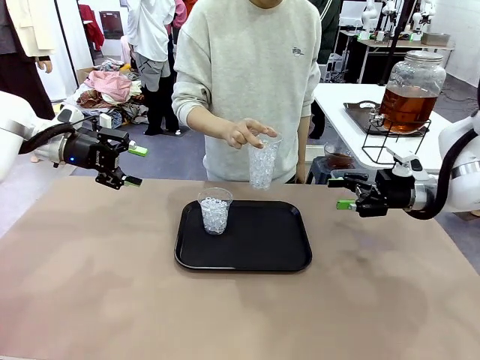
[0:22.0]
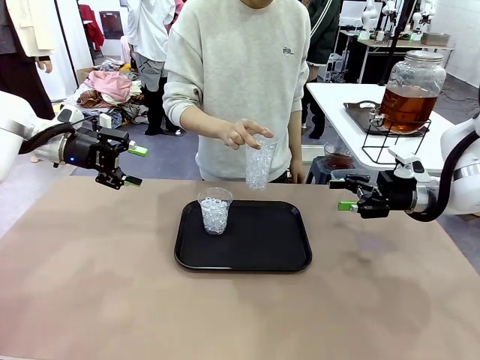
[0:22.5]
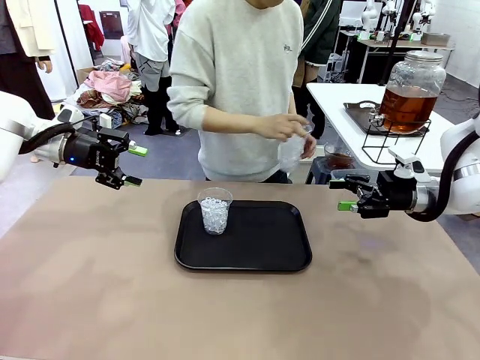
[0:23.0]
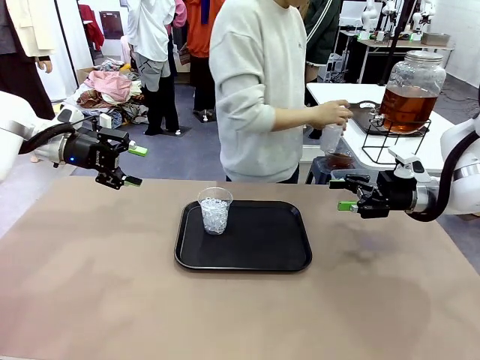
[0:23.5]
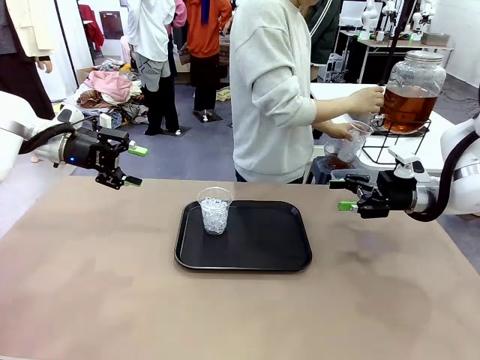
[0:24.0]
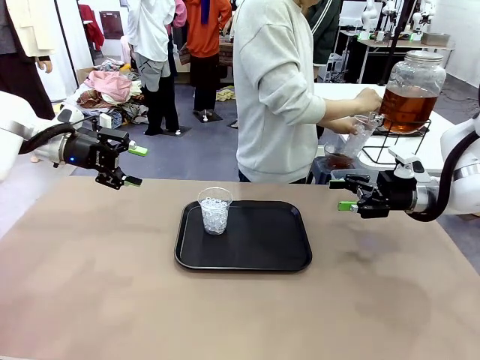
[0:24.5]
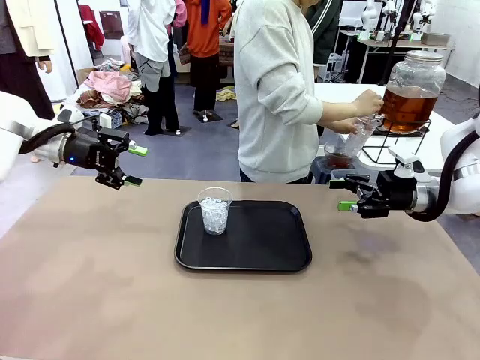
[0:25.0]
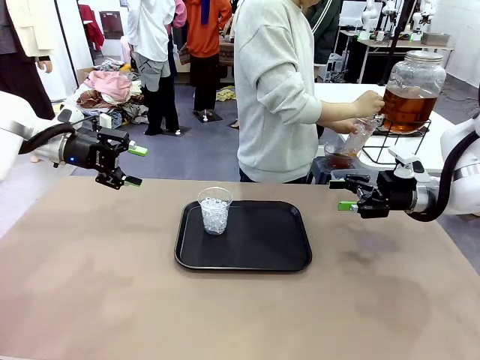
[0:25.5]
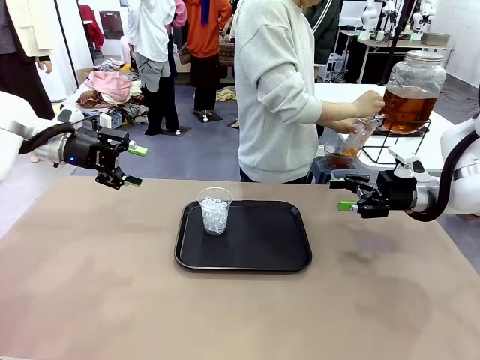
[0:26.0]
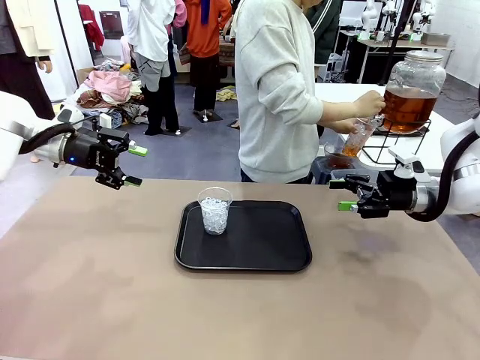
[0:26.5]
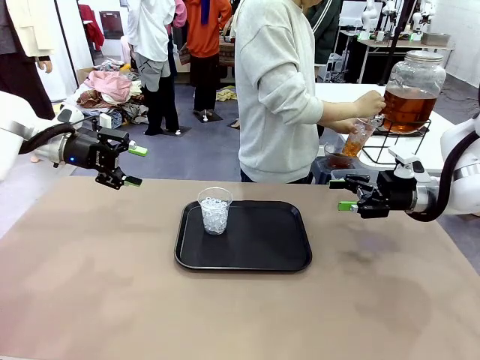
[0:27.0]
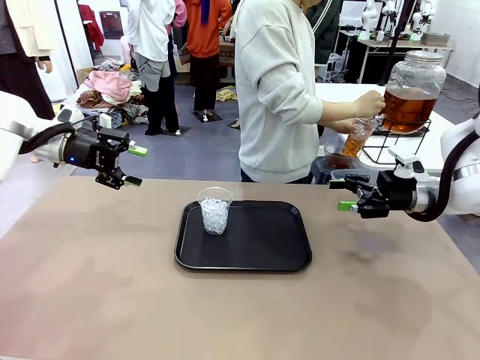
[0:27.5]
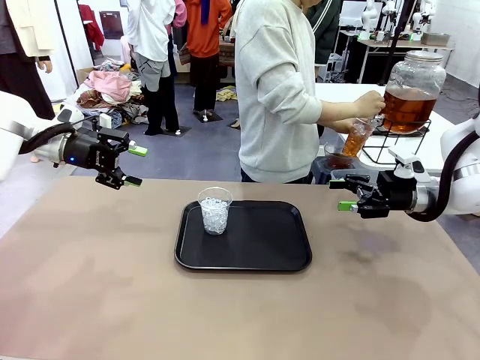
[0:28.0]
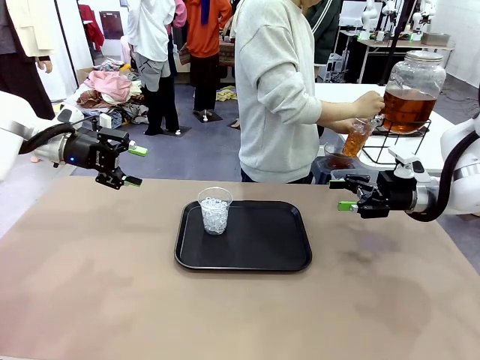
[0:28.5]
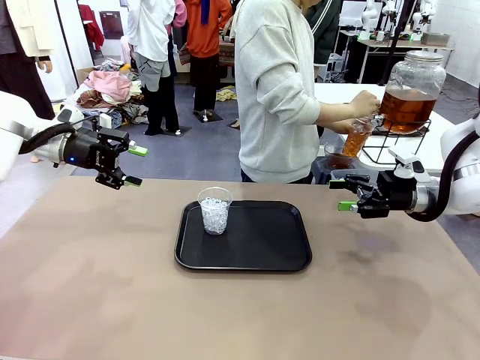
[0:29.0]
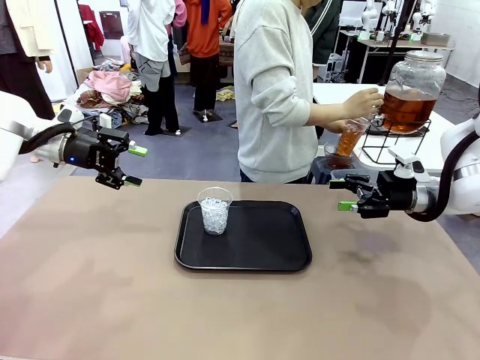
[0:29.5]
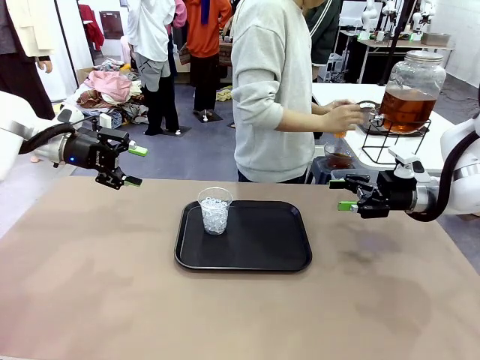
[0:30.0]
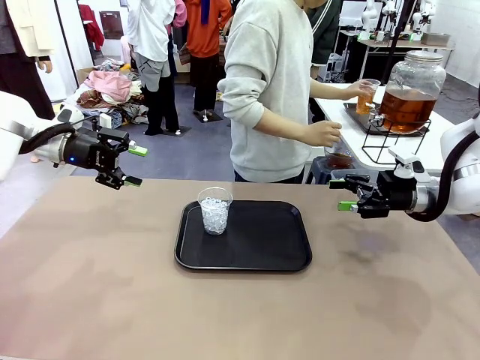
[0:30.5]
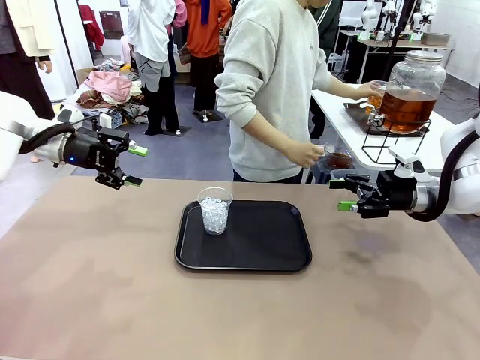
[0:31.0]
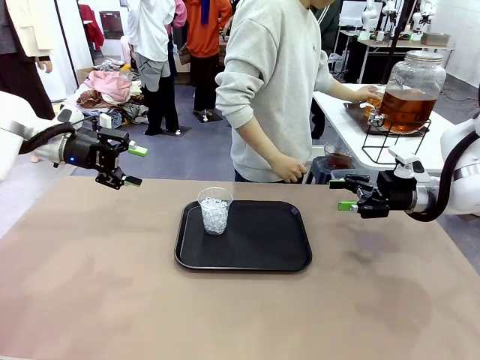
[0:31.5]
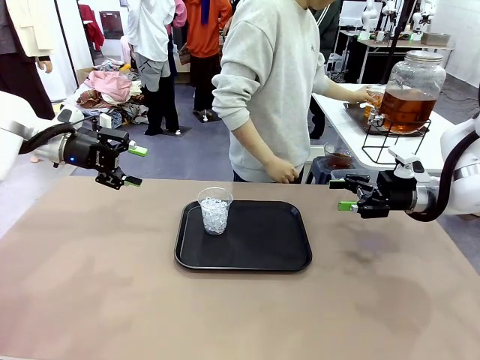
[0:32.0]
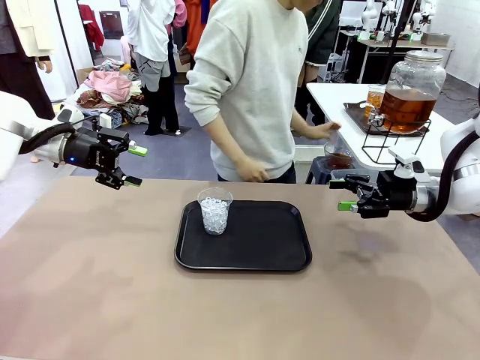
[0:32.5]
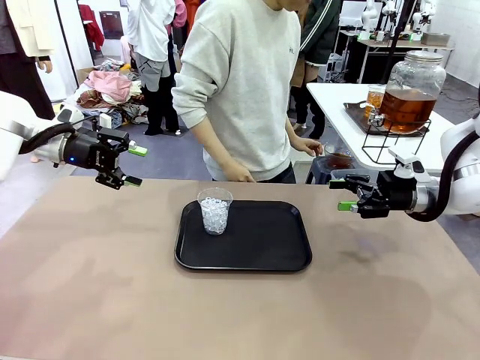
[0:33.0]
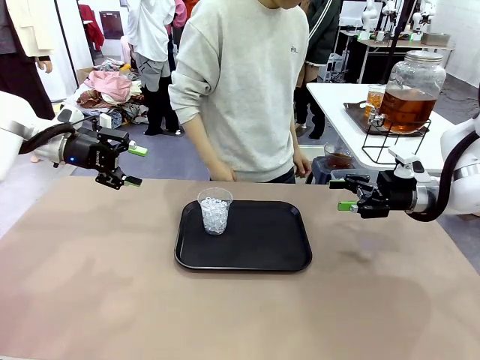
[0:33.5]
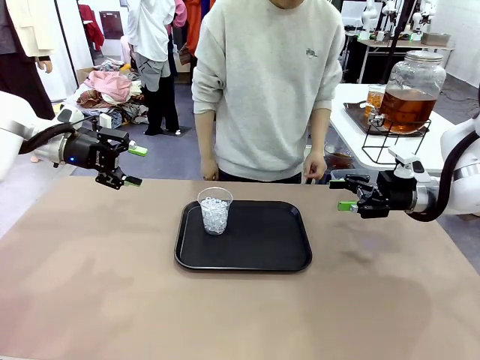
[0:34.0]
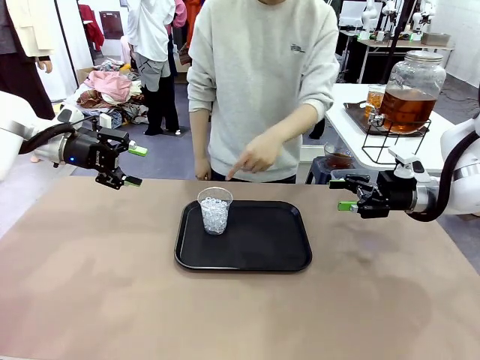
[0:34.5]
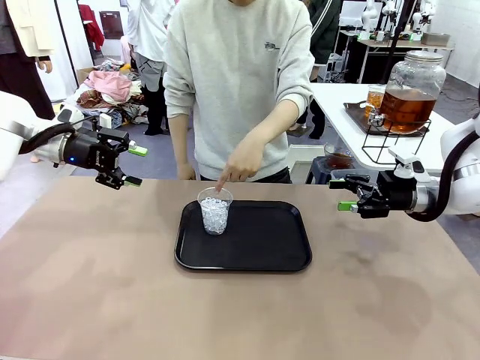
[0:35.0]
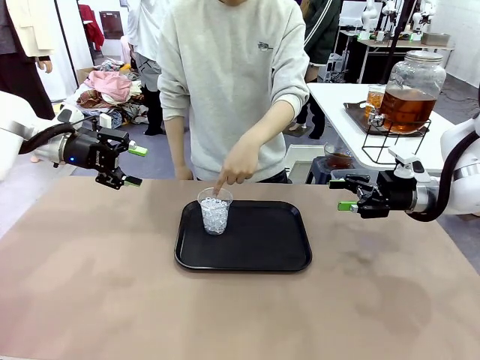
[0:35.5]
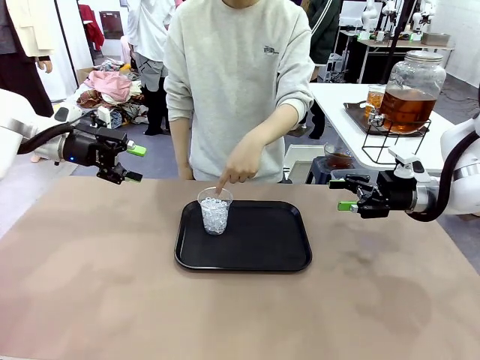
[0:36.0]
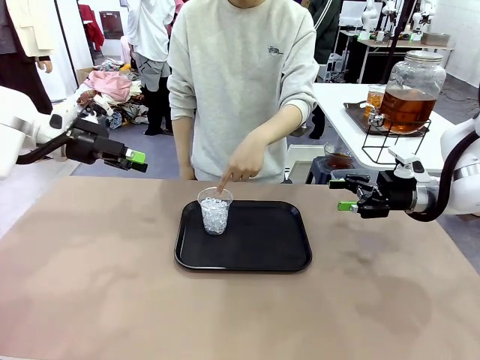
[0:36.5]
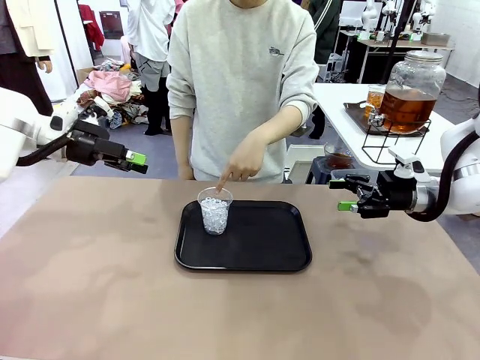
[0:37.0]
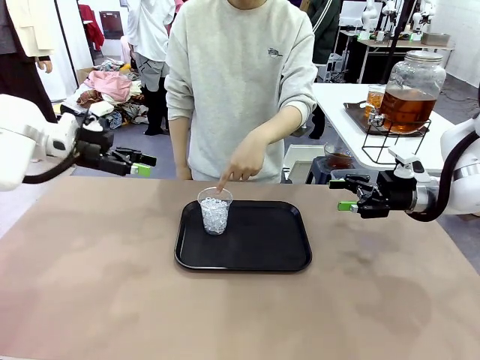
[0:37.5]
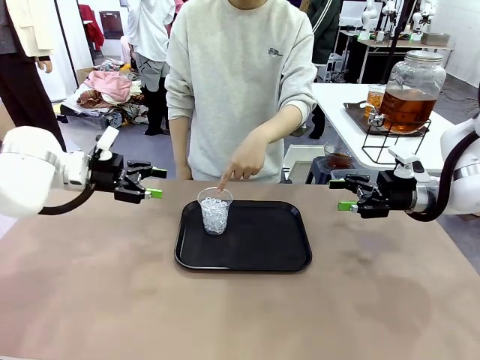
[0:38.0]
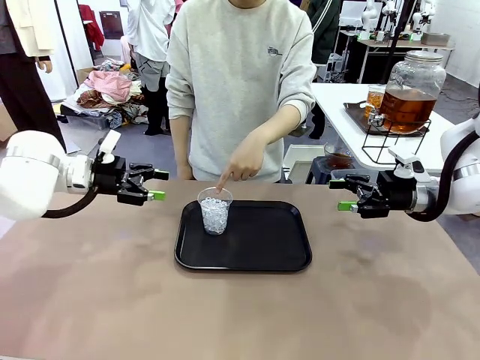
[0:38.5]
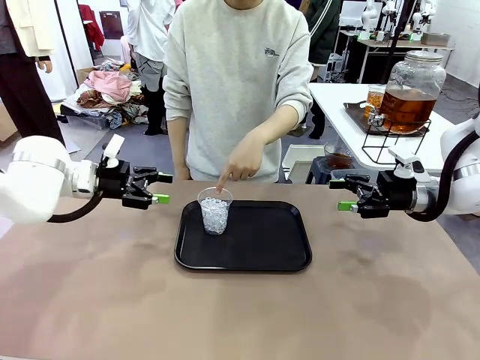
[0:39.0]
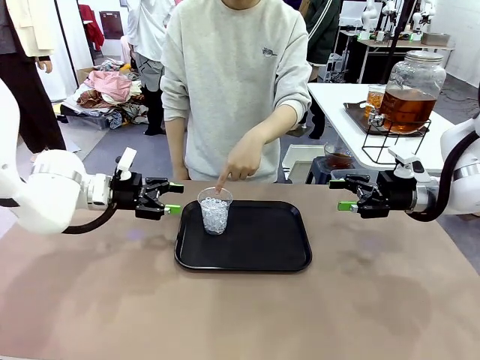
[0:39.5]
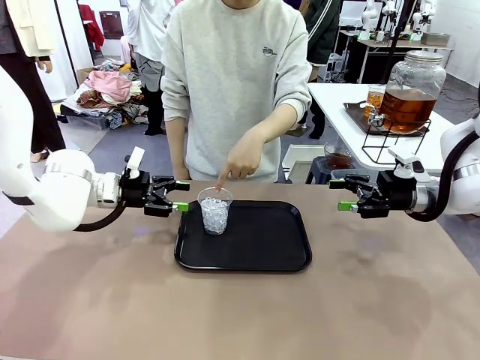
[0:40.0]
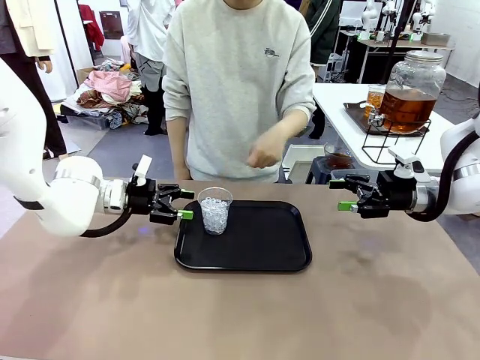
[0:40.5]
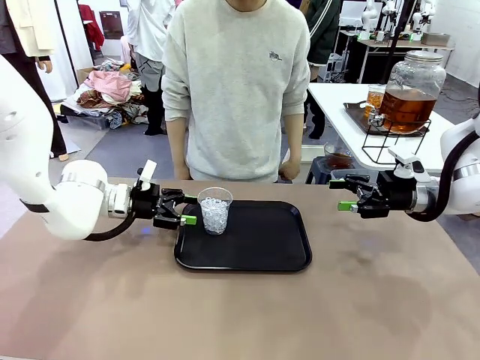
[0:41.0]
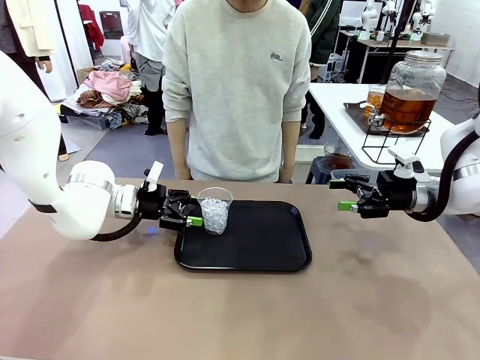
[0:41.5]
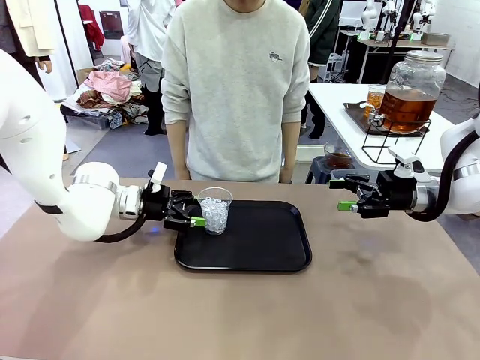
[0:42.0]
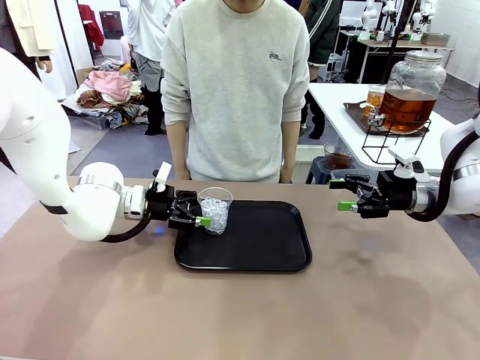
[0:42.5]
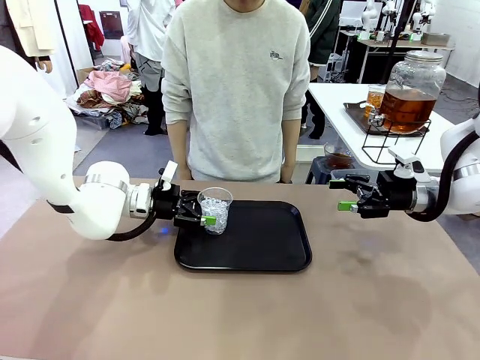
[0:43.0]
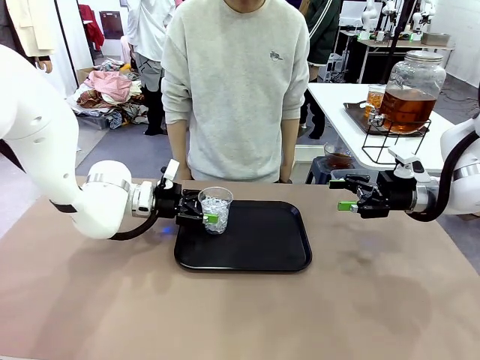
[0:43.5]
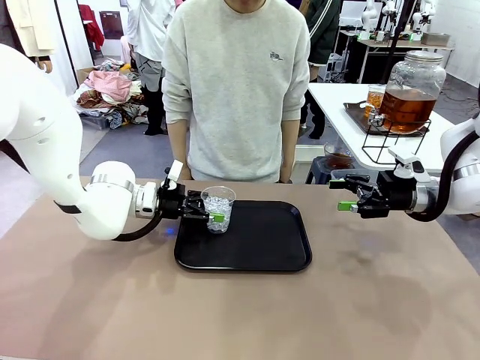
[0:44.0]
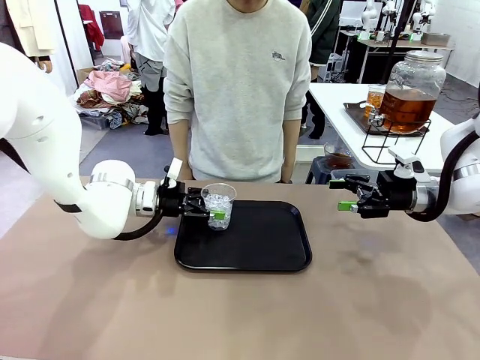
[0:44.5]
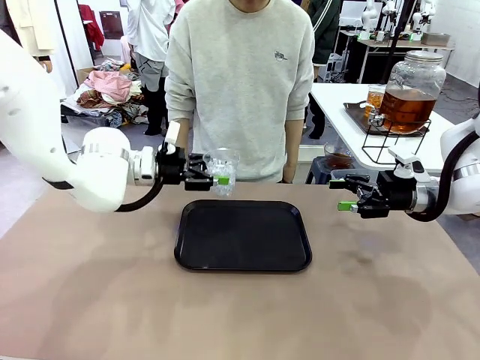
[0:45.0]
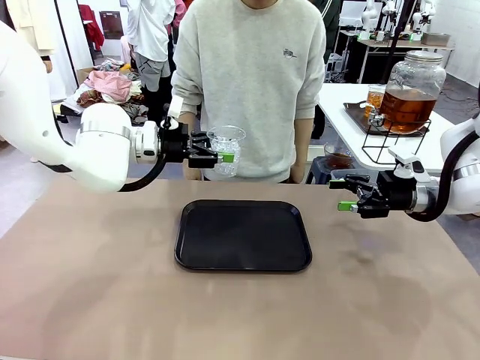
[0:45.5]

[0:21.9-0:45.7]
Task: Pour the drink into the iced cup.
Robot: Pick up the iced cup indicated by the human and present it to them.
Person: Move the picked-up cup under the dispenser faucet, pour the drink, and place it on the tray on the human table. Point to the remaining ice cup on the robot table. Pick up the cup offered by the robot.
